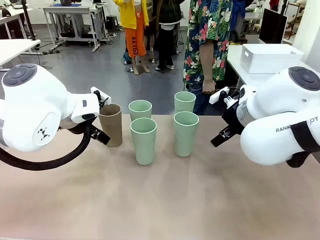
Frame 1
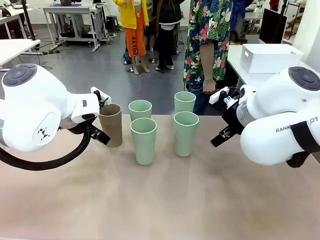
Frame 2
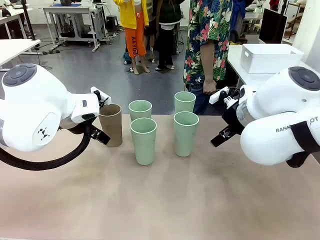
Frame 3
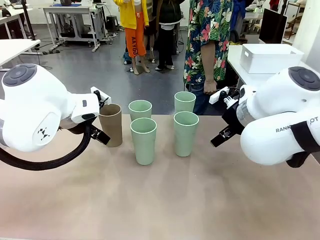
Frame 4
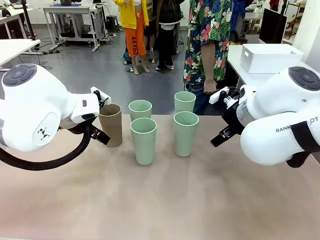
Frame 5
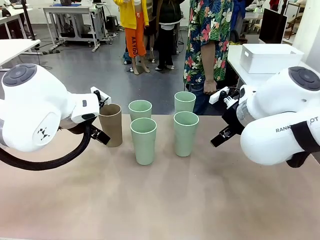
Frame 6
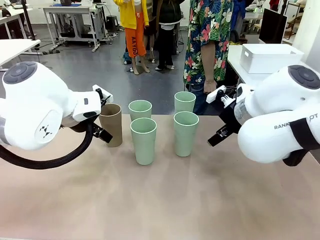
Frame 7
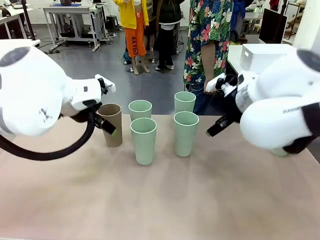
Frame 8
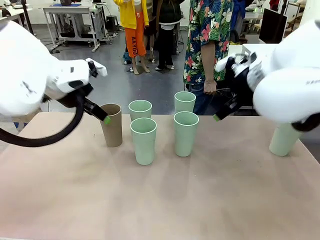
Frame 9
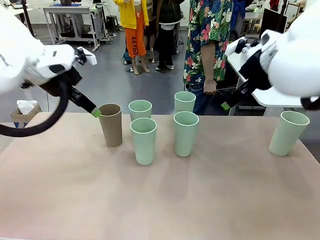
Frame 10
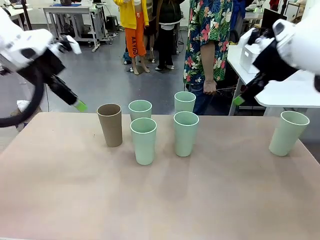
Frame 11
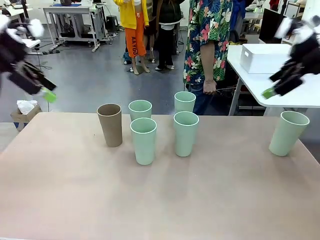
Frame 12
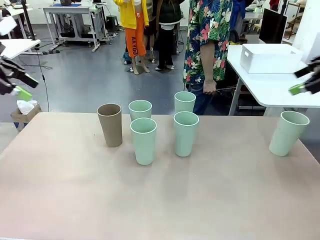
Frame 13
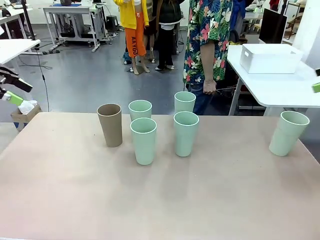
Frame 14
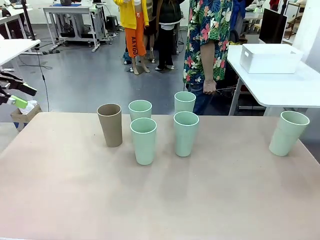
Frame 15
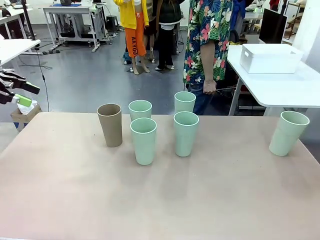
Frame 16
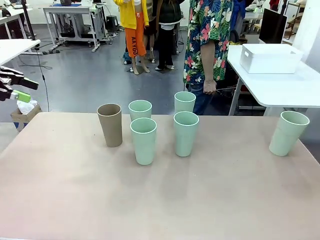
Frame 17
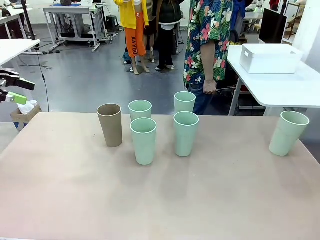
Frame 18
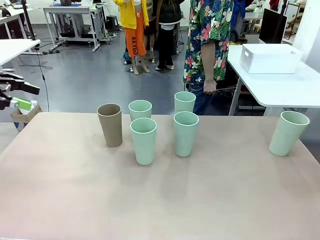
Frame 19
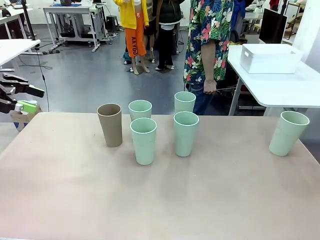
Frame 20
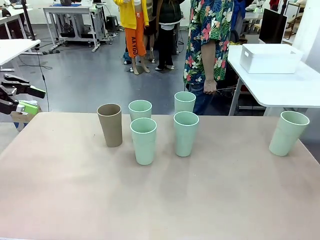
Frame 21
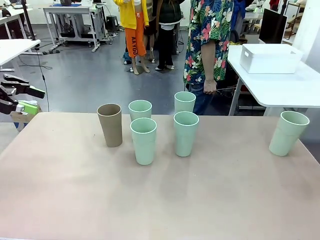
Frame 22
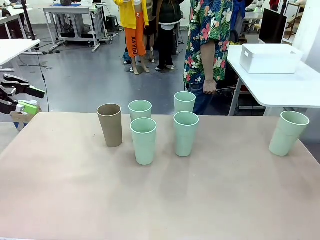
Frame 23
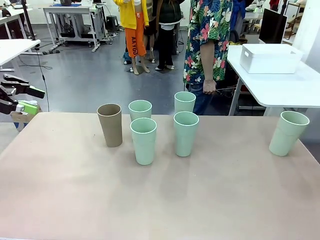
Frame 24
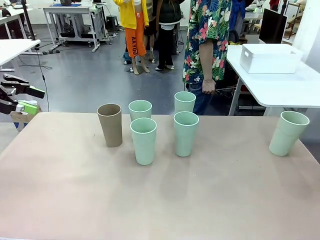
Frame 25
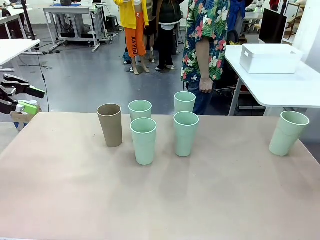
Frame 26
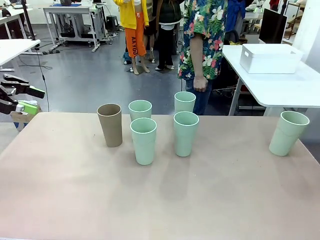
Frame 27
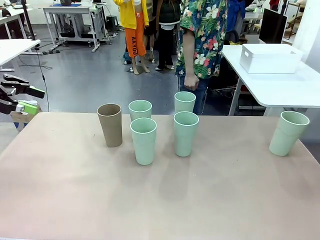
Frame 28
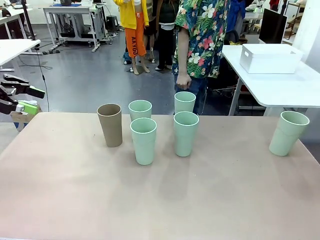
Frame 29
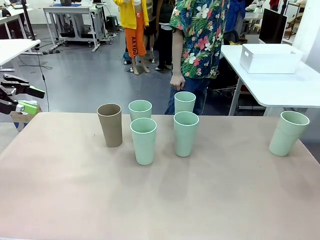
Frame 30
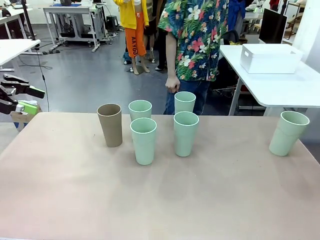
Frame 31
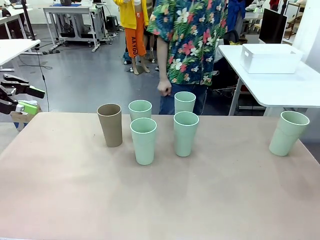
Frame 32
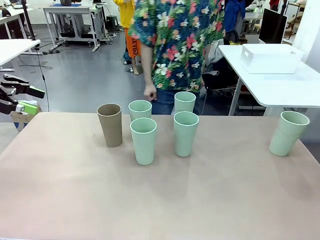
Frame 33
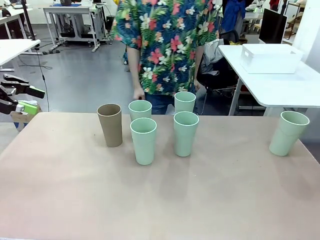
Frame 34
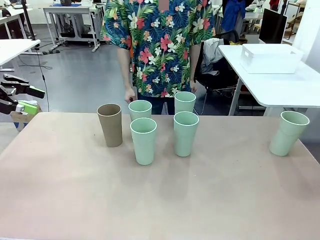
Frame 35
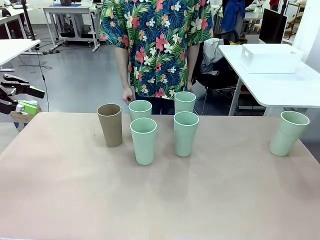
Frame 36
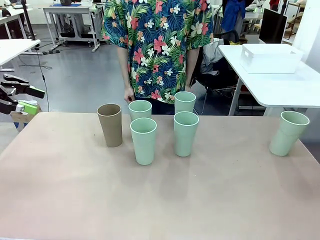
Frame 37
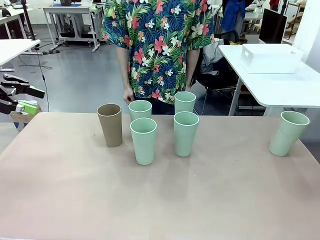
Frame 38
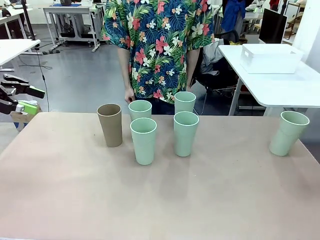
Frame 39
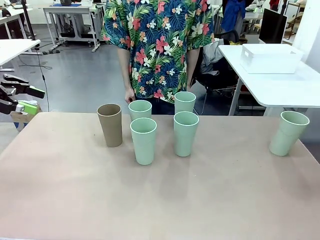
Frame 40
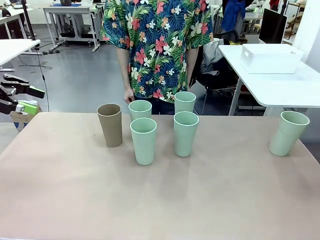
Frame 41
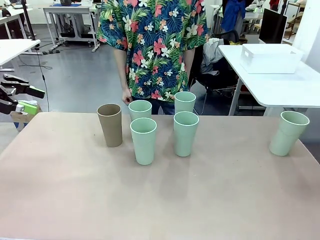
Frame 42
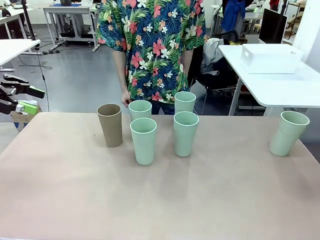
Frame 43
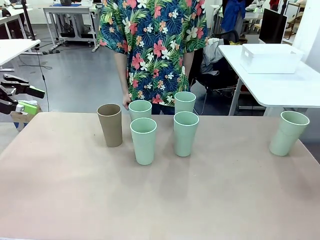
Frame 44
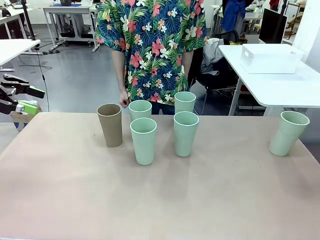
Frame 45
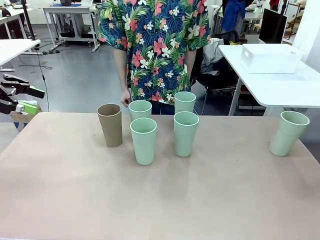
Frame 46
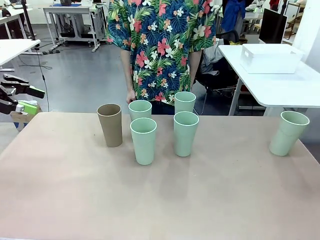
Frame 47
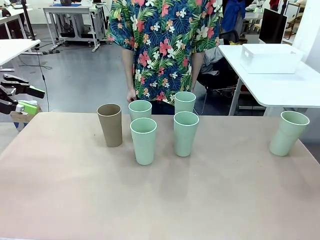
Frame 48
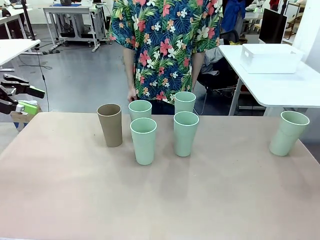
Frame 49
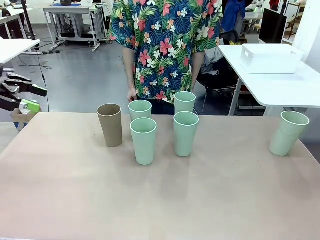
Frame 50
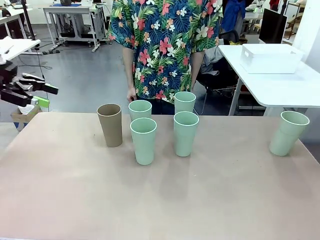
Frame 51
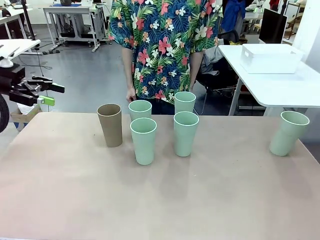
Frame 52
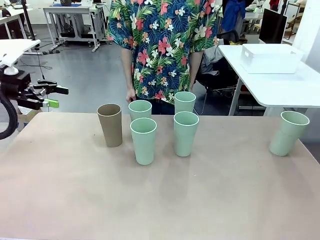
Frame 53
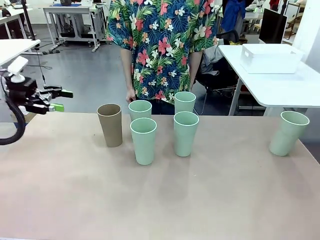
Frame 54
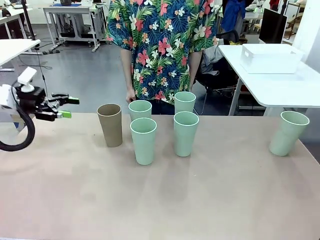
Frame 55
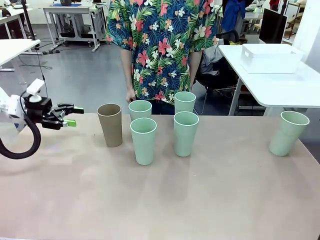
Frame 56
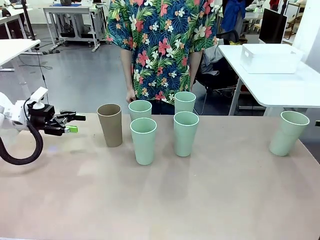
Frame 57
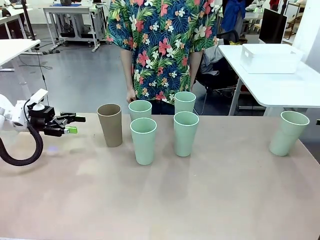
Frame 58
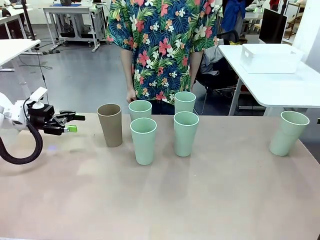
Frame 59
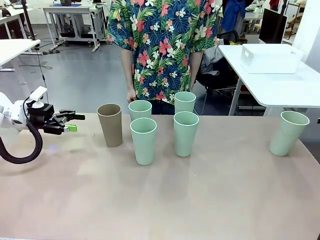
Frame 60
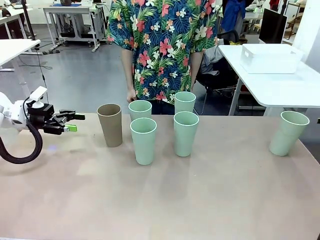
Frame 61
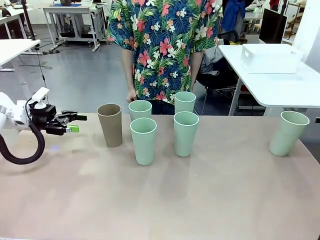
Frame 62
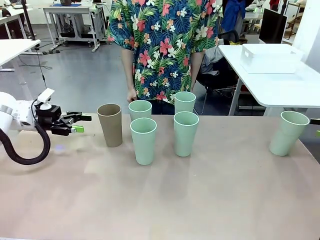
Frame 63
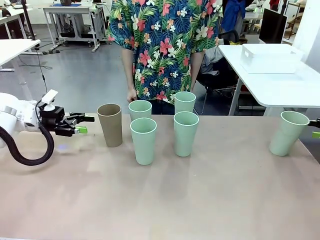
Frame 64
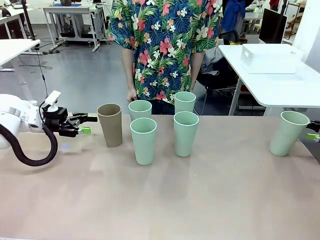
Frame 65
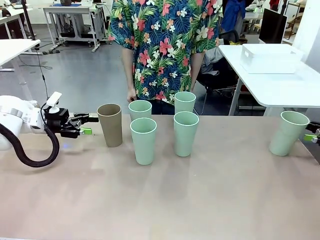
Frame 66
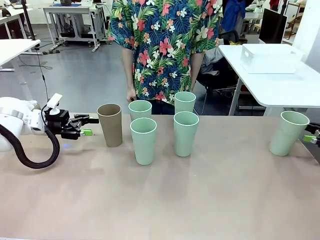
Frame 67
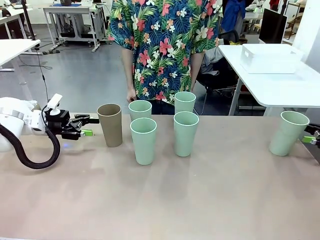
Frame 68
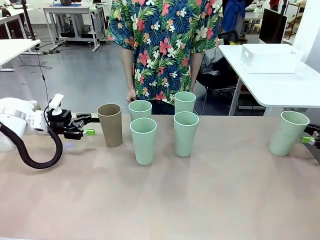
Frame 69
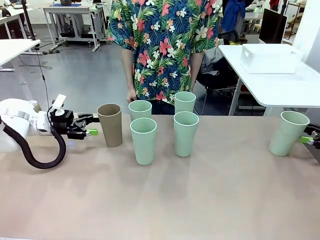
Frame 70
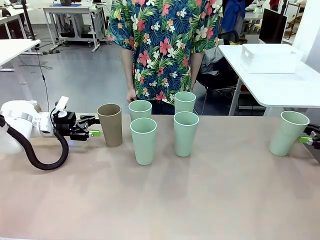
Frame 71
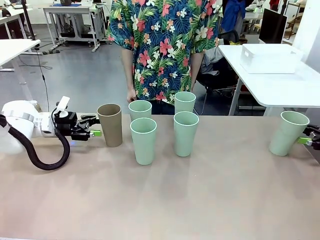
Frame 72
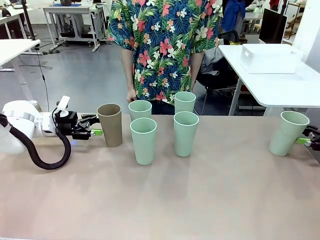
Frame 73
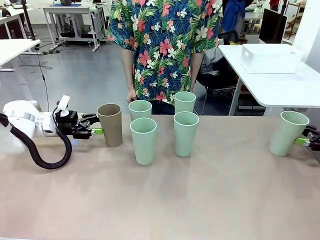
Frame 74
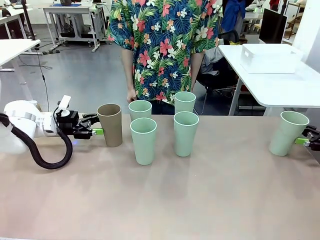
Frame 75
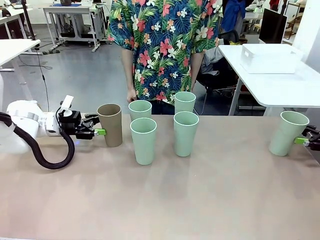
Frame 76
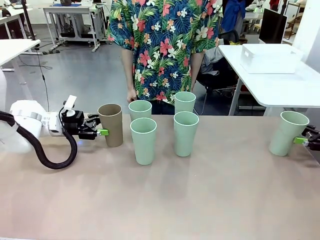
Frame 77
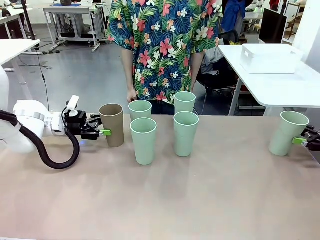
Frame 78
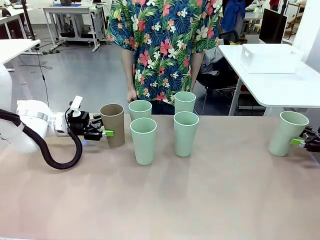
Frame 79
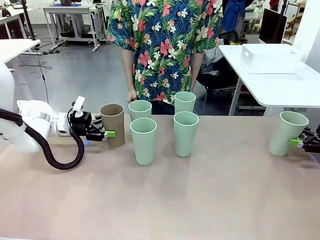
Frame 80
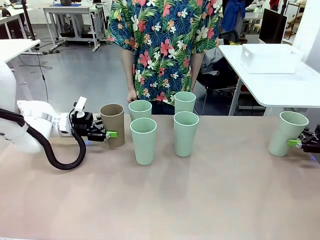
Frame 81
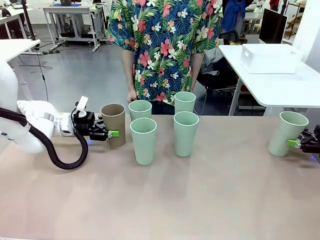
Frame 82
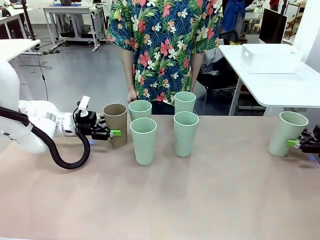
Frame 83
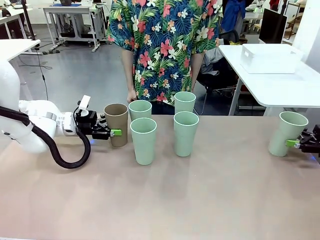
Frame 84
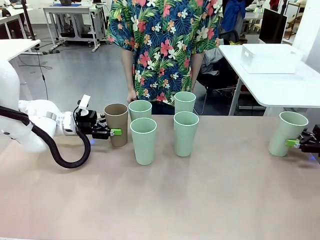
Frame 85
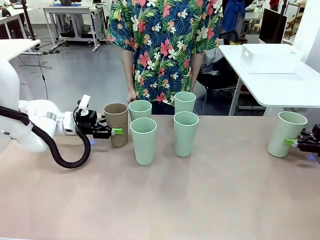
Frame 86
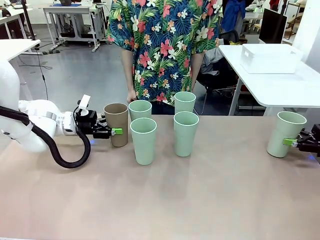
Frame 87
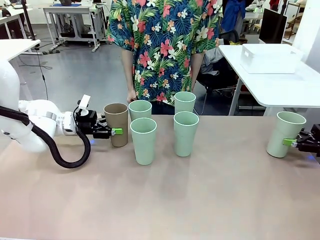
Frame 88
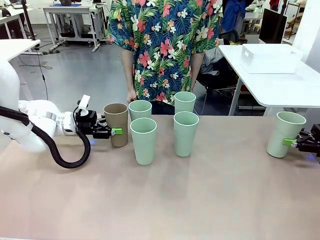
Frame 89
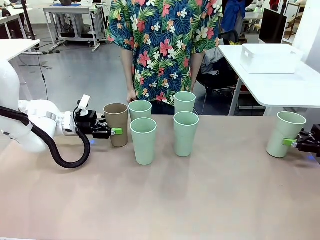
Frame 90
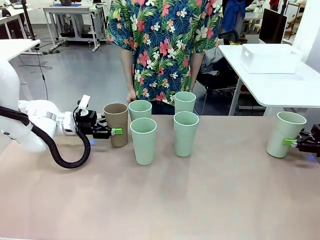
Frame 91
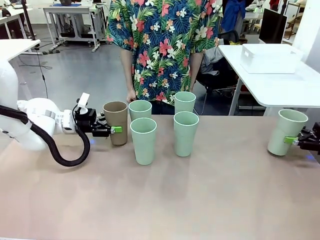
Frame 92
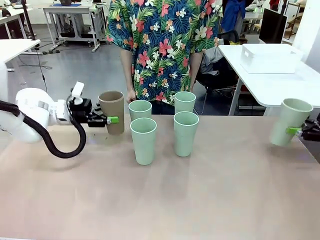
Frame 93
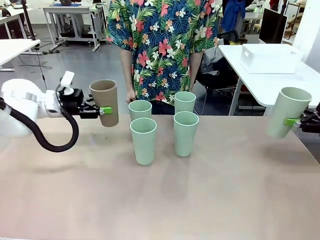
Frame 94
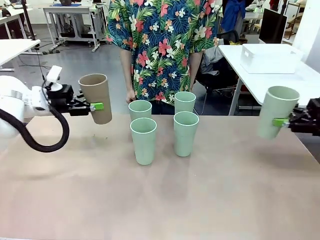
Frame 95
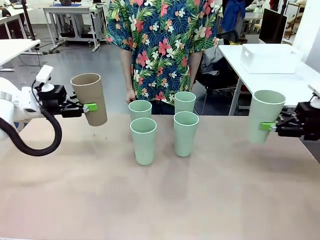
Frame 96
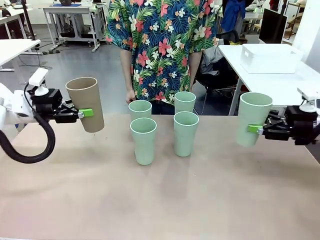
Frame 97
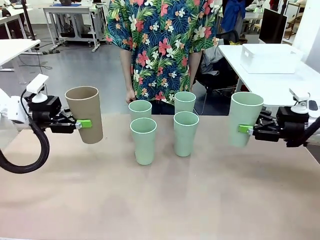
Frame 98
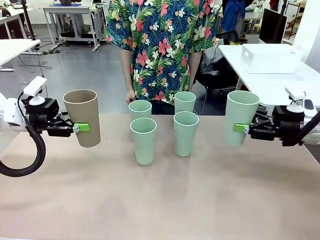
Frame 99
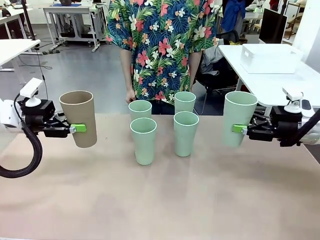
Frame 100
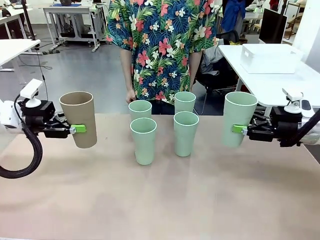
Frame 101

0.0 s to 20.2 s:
Task: Stack the cups and store them in the basket.
Robot: Pick up two Reusable plastic cups , one in each hand.
Person: Move from the Human Table to the front of the Robot Table. Stack two of the remaining cups on top of each cup held by the robot.
